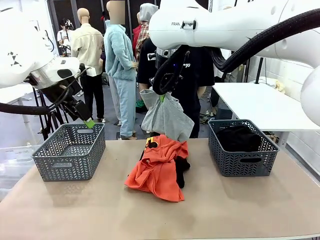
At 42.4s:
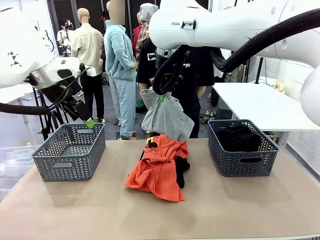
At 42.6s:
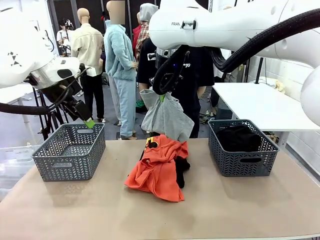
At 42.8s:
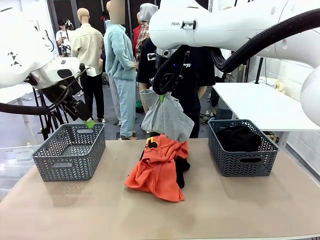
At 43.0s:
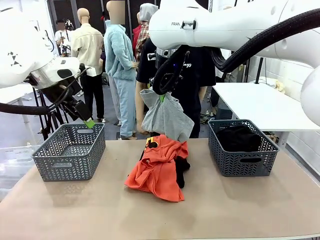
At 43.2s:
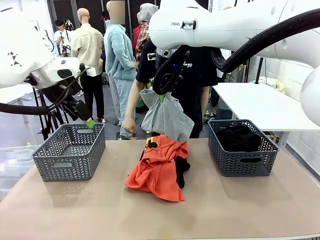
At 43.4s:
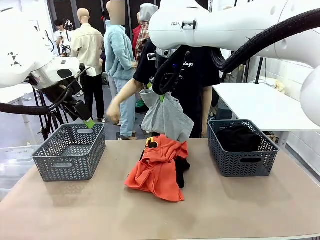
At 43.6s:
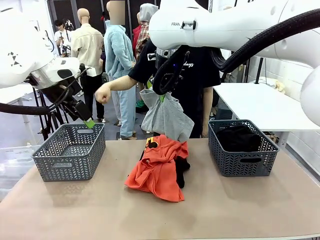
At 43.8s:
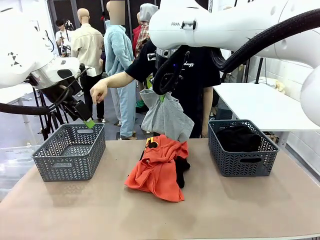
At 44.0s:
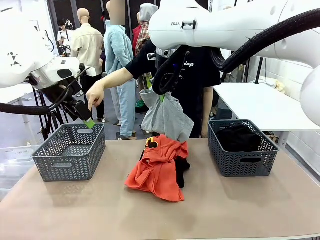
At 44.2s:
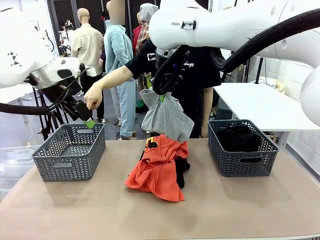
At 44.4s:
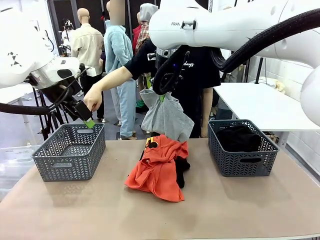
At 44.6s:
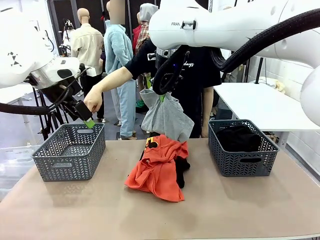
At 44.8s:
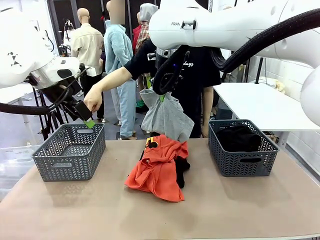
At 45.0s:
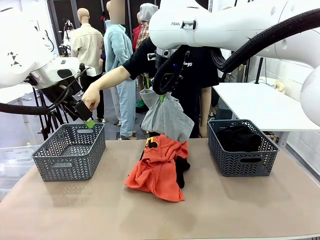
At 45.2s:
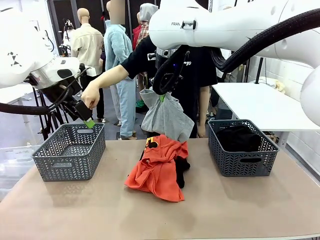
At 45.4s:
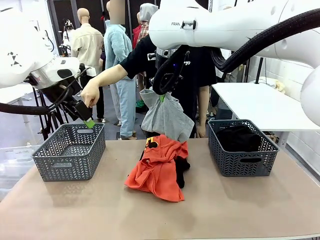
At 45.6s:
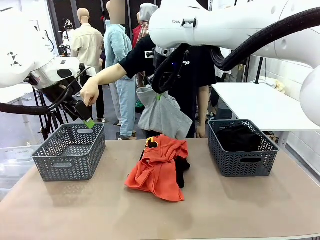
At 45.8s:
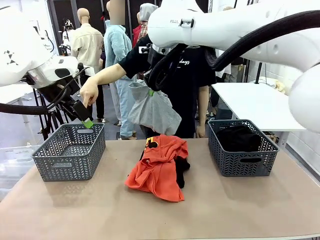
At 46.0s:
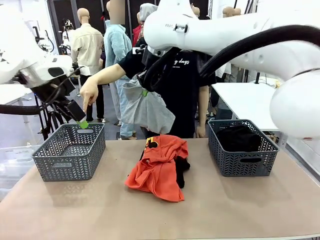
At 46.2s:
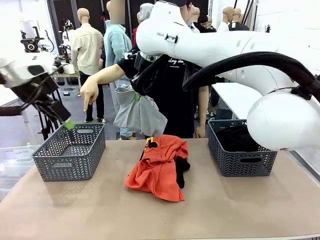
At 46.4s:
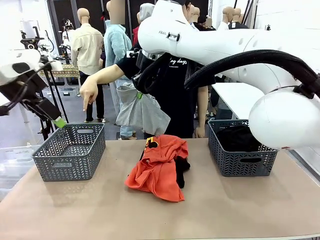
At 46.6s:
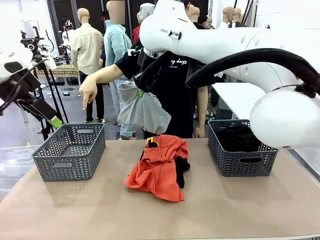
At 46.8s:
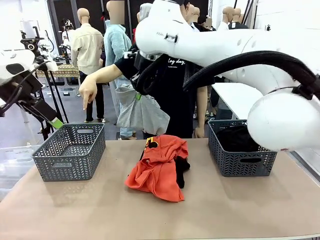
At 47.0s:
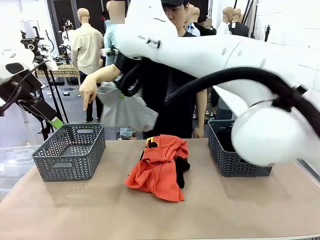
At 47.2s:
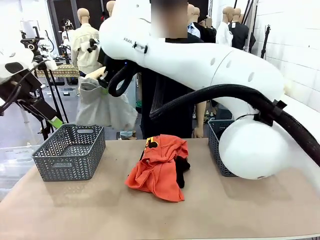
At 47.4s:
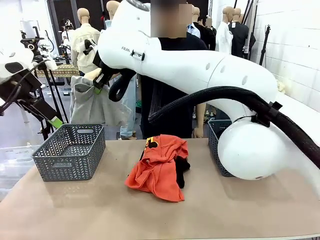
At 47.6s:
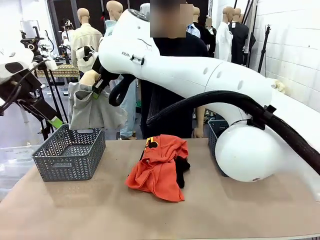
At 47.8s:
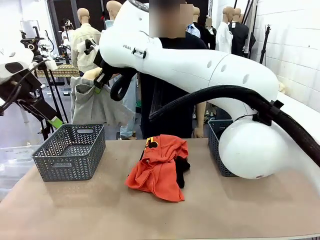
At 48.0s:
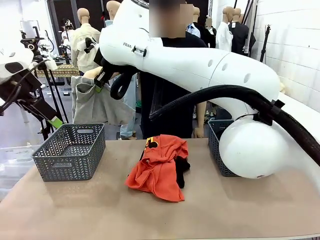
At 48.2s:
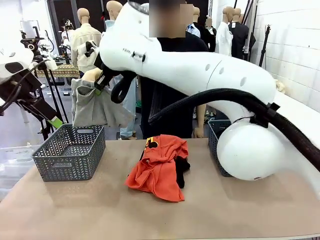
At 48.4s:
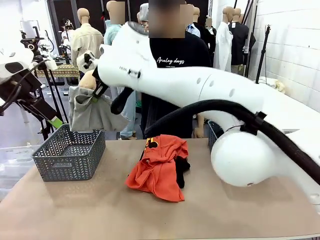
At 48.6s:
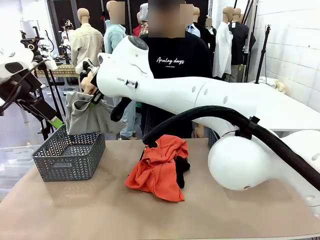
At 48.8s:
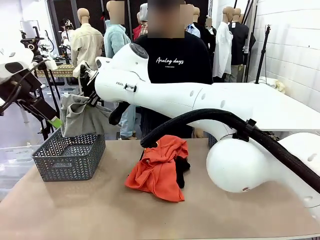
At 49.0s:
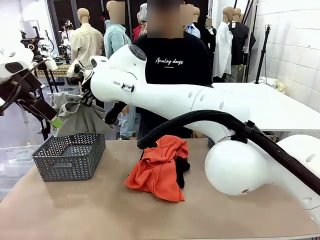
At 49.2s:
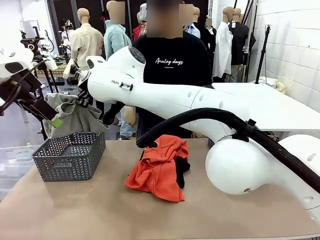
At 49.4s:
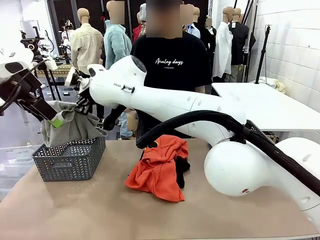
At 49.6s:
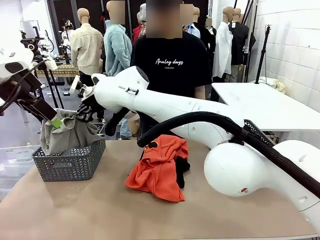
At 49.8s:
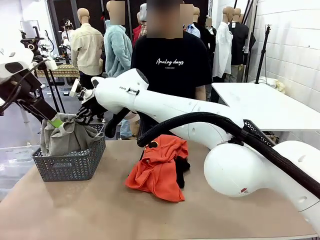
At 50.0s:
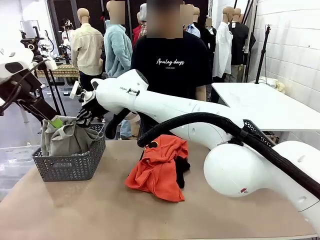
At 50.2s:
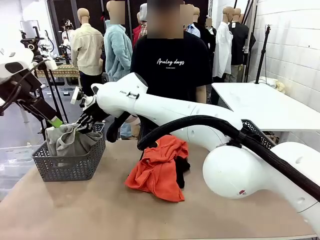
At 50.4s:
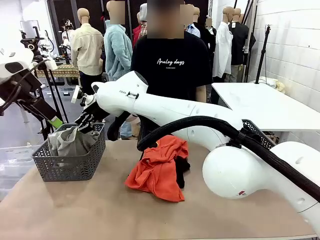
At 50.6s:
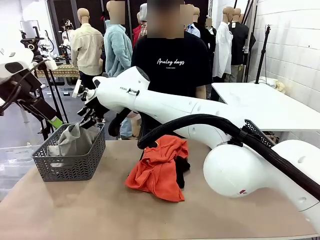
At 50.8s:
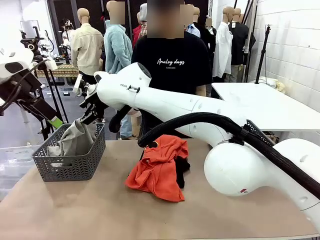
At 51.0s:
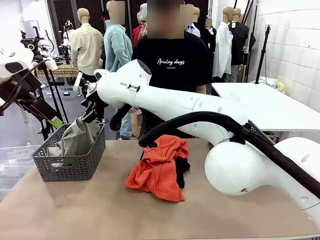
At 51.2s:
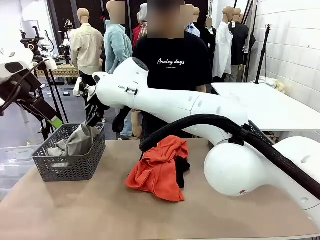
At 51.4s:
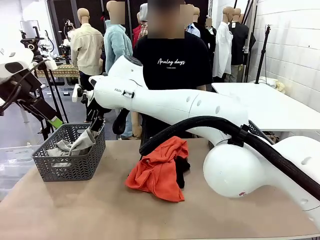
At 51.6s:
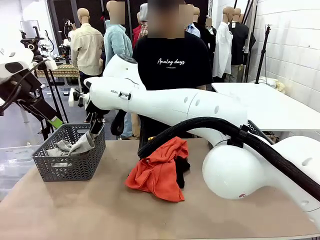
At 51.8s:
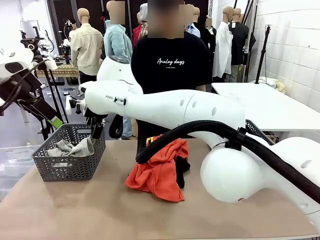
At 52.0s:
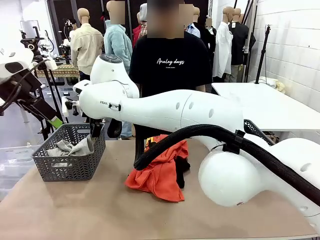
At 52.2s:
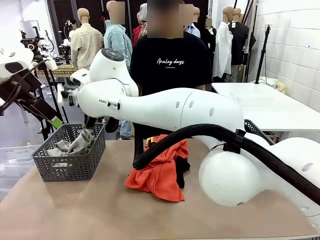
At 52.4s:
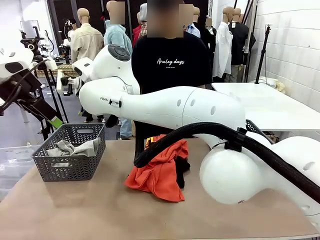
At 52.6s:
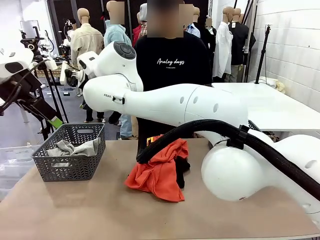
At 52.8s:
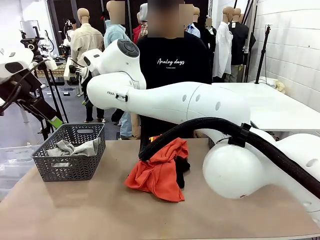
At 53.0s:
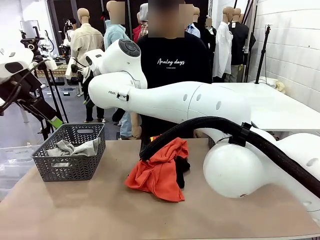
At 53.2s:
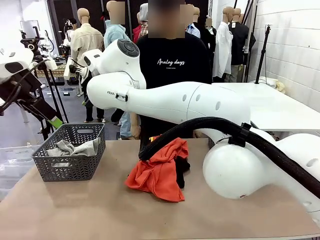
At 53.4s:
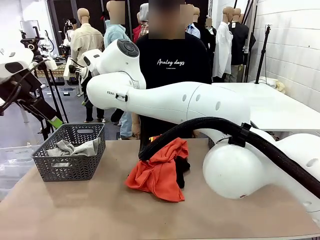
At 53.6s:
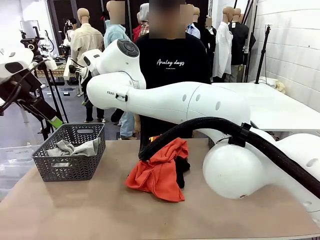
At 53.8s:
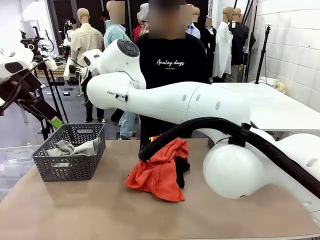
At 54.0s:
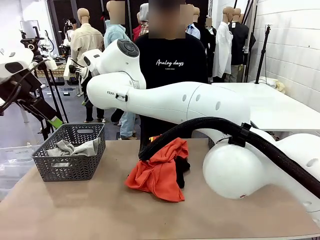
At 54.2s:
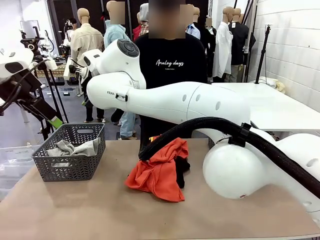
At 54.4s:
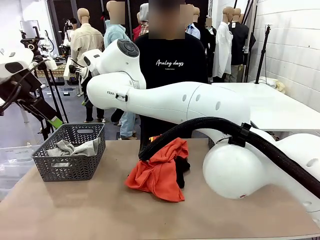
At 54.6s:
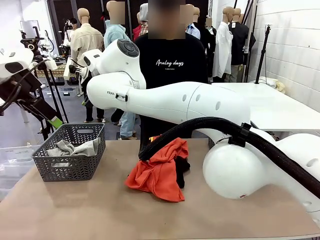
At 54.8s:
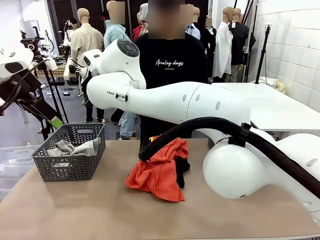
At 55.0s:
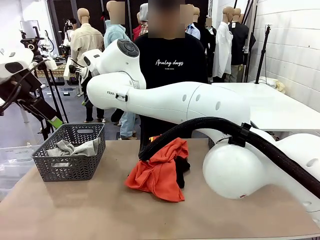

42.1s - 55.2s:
Task: Sort the tops and bottoms.
Robot: Sort the clothes according to human instructions.

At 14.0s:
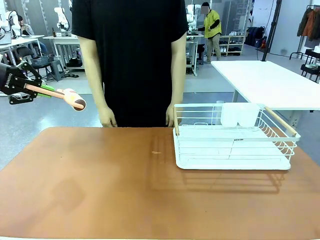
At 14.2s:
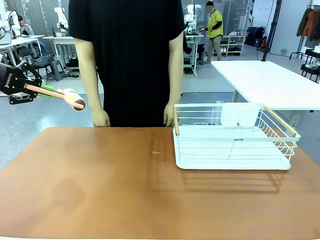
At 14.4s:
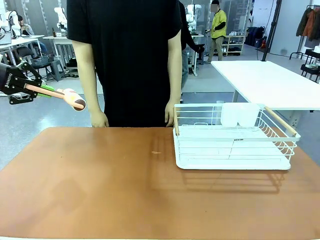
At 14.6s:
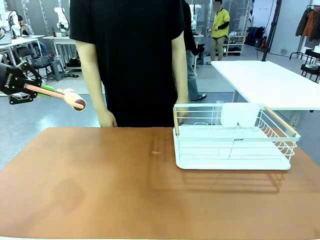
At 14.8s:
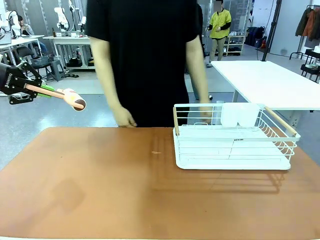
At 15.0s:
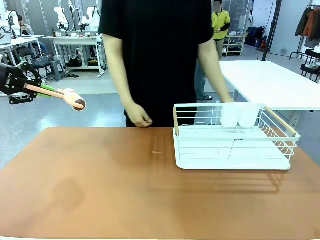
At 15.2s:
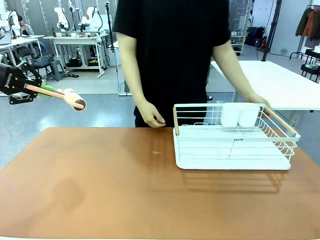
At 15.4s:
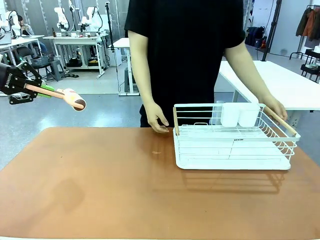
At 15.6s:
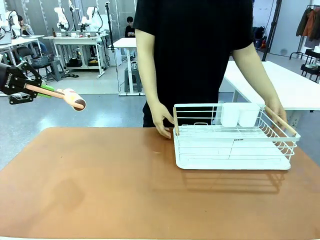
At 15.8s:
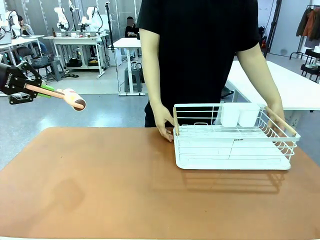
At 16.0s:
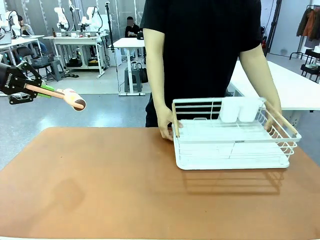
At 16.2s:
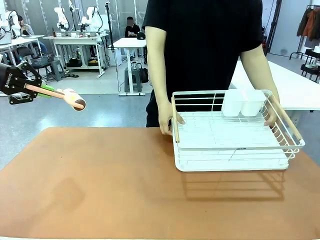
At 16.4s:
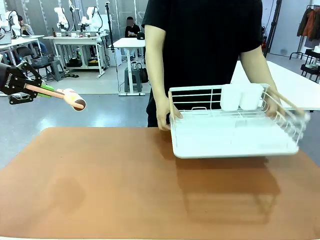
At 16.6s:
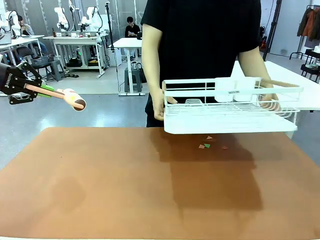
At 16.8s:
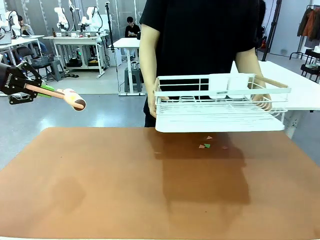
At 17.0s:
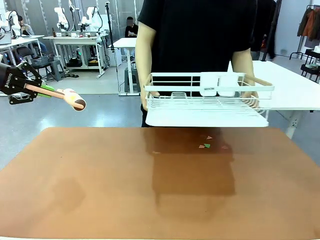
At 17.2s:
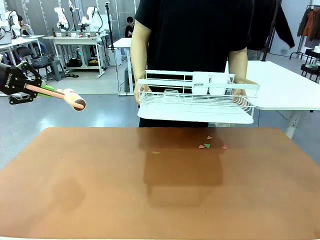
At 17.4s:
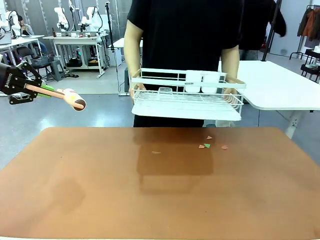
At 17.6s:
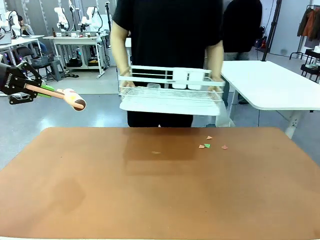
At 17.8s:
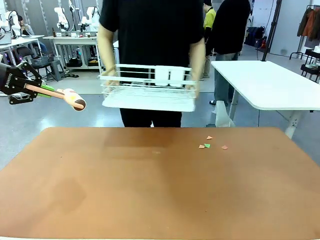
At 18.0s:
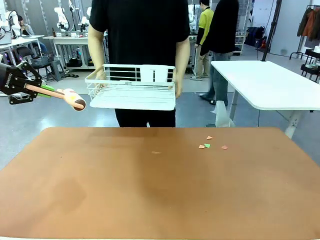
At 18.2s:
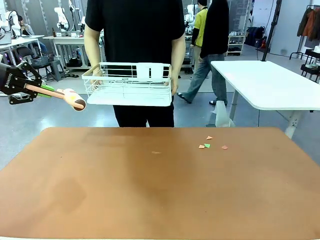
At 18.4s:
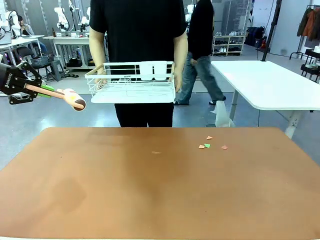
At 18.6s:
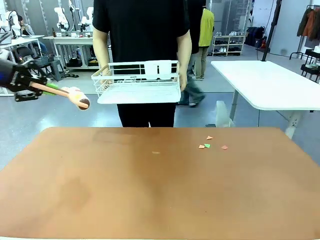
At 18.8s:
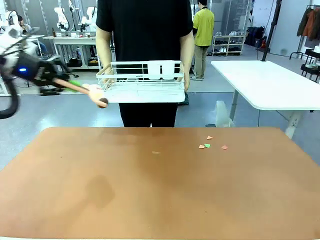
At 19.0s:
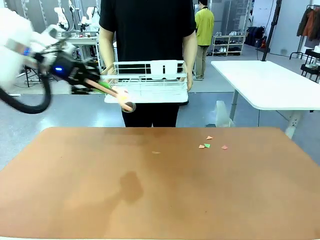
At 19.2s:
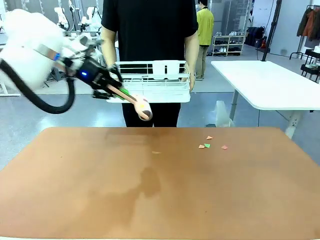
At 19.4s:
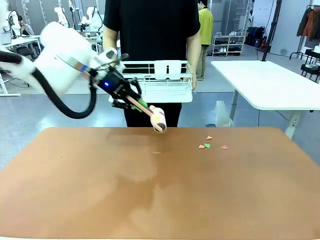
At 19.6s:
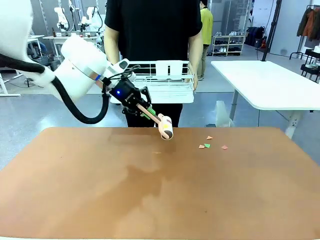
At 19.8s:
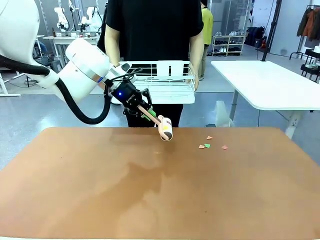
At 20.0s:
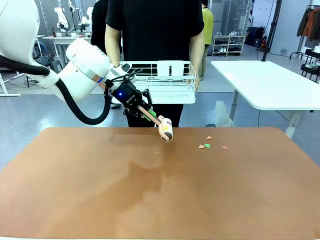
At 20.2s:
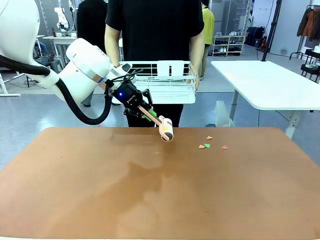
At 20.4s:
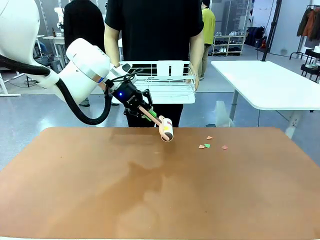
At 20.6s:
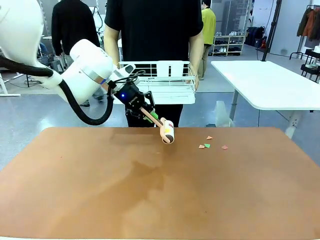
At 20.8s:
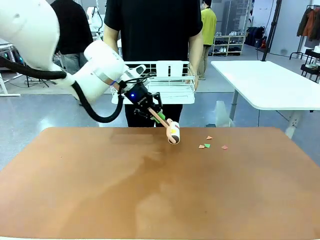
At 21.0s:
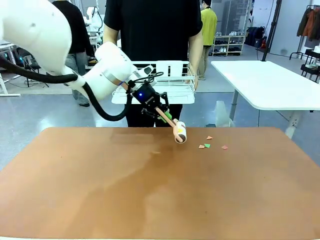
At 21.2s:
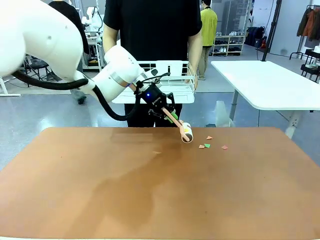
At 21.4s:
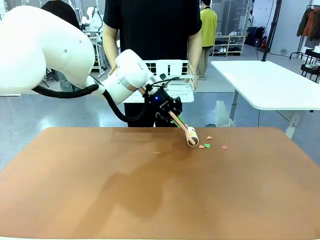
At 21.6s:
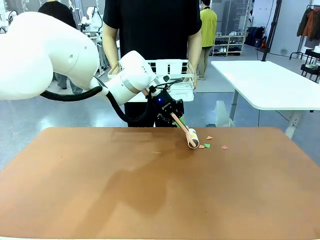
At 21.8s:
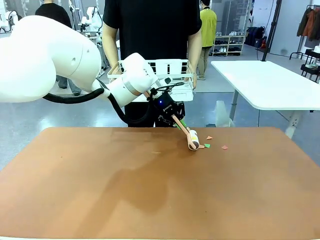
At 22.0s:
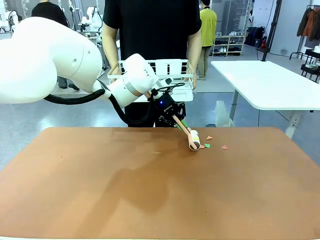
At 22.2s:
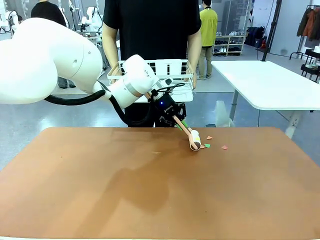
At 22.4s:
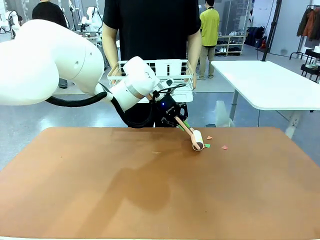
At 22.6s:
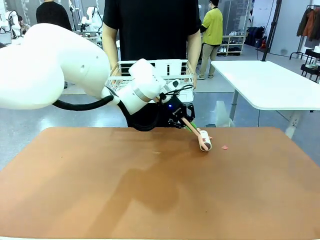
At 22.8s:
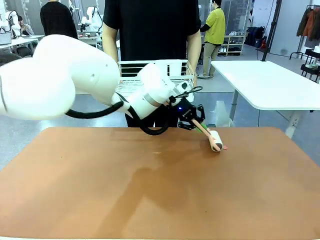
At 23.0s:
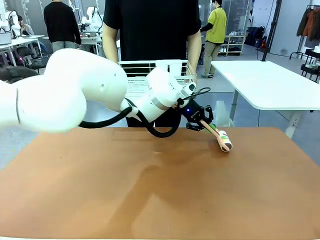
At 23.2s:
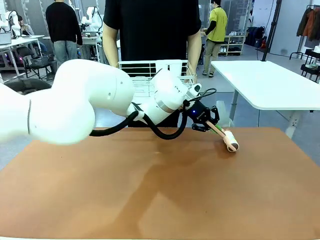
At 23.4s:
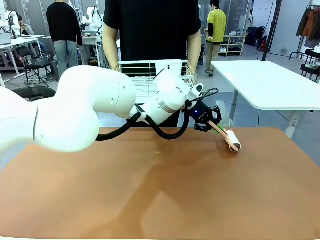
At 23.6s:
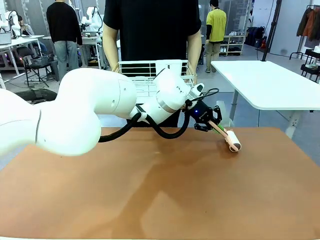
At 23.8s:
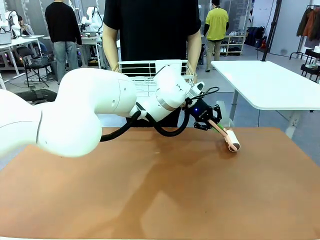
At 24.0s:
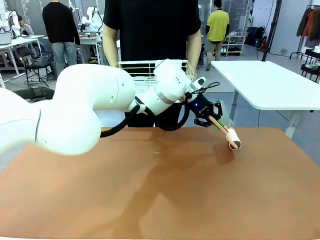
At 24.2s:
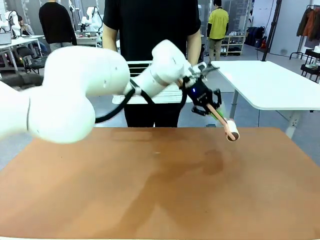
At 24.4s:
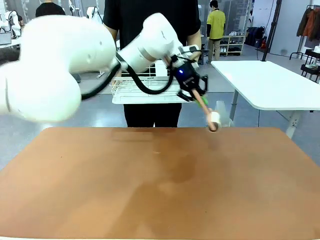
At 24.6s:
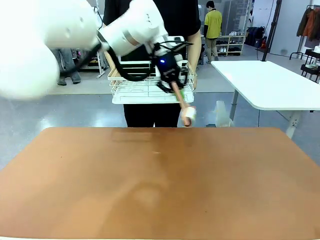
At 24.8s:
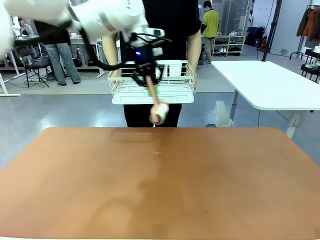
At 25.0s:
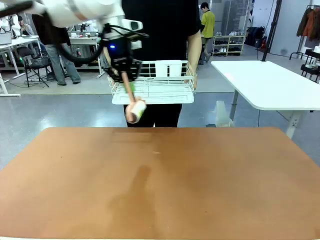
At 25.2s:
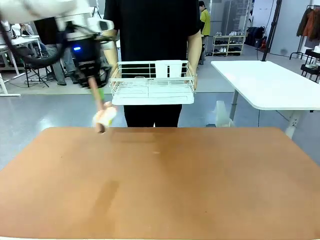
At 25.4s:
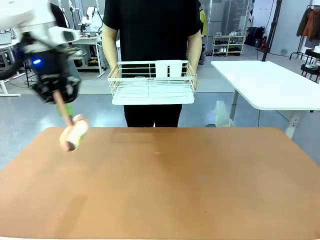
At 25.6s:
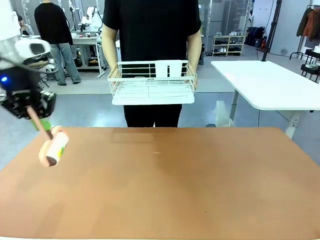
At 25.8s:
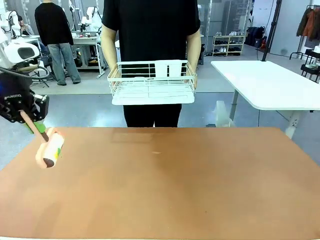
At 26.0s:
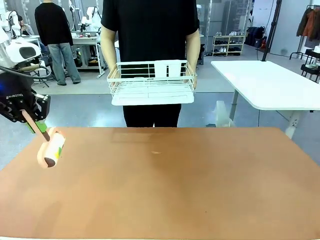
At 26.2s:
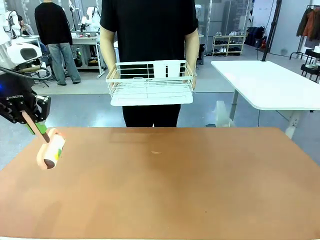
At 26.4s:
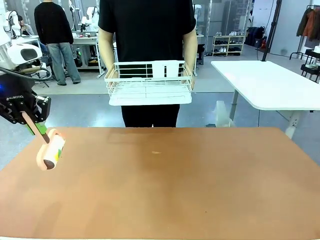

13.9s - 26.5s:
Task: Clean the table.
Robot: Clean the table with the Lint Roller when the human lifts the Dish drying rack.
